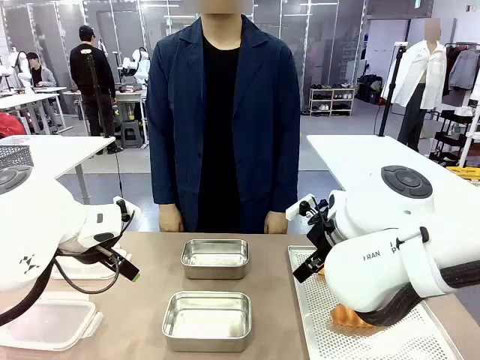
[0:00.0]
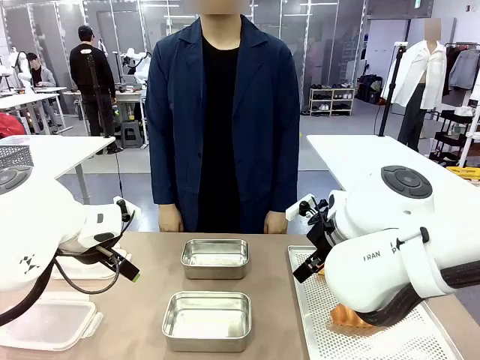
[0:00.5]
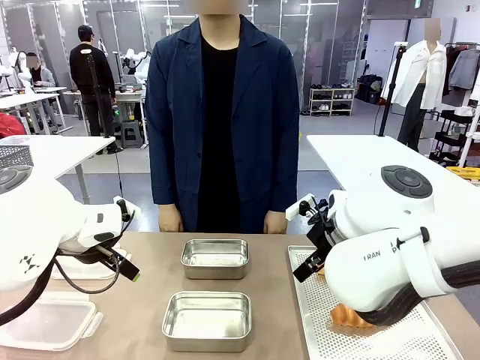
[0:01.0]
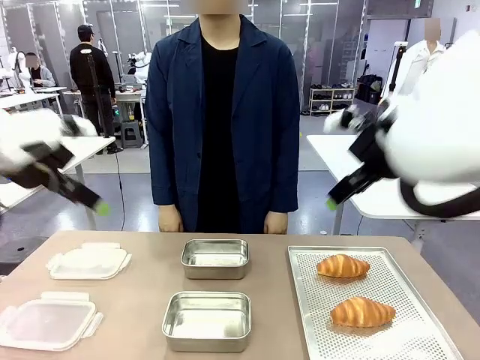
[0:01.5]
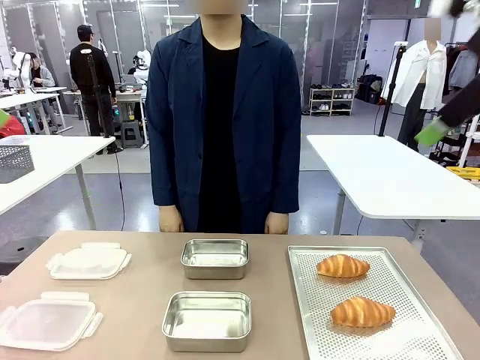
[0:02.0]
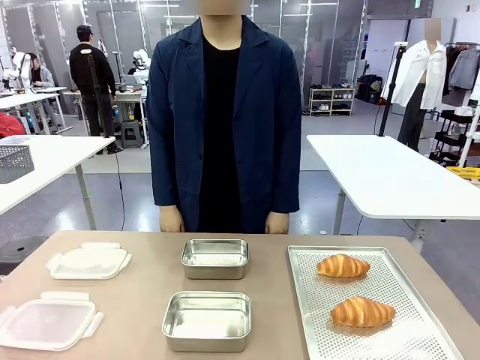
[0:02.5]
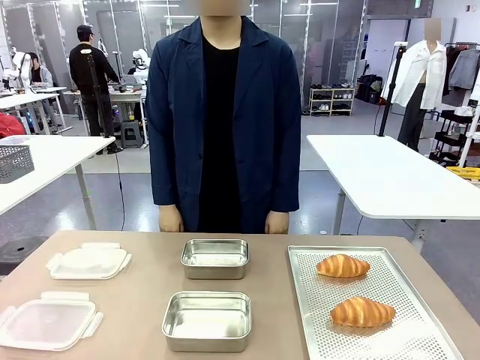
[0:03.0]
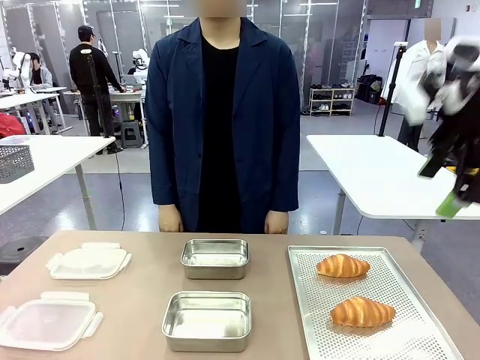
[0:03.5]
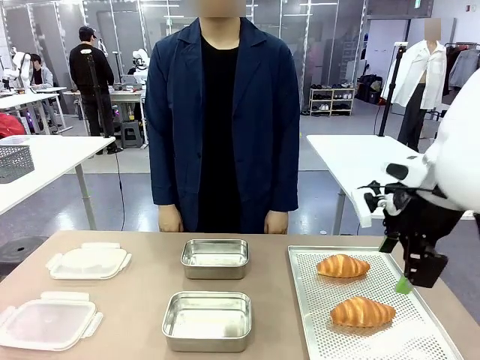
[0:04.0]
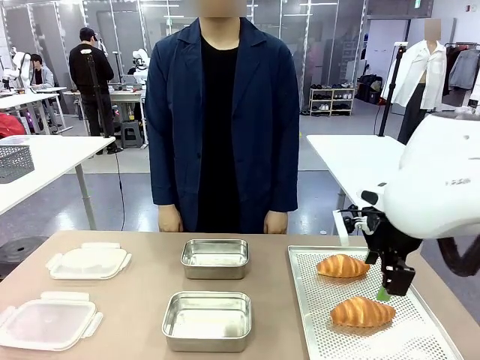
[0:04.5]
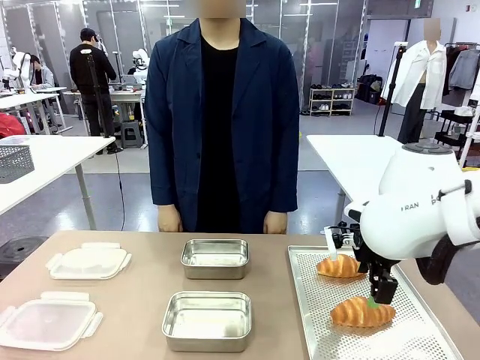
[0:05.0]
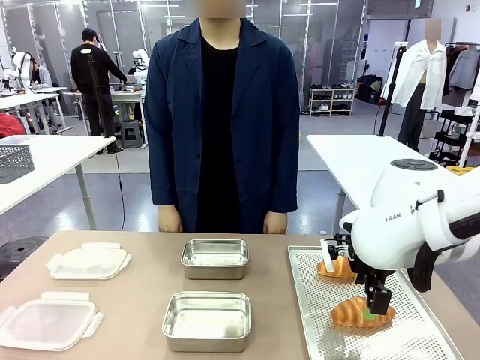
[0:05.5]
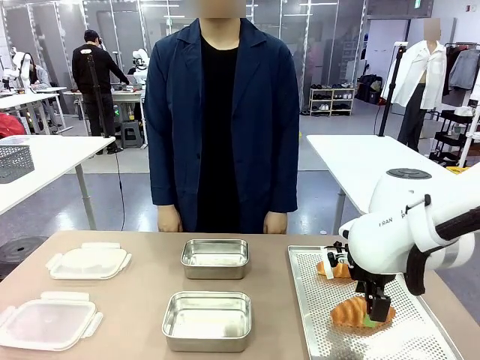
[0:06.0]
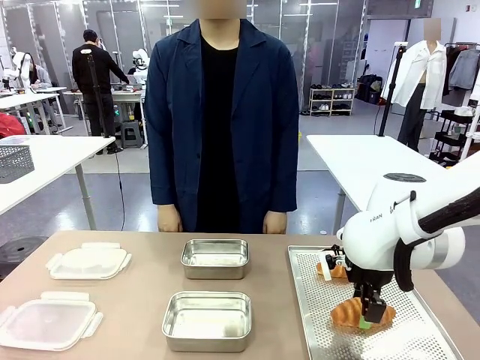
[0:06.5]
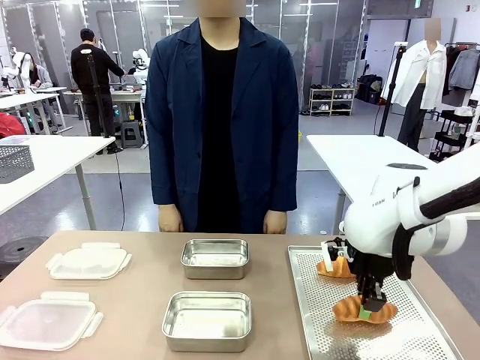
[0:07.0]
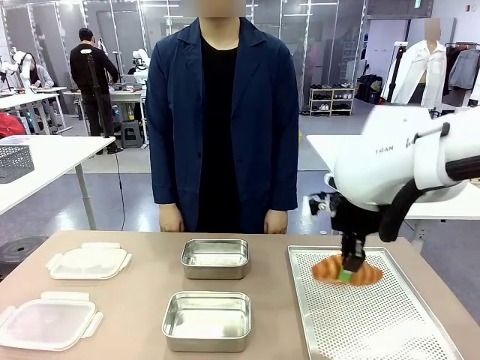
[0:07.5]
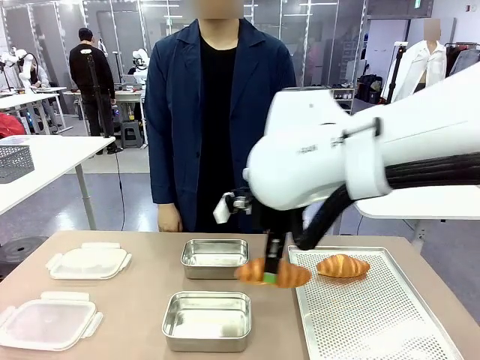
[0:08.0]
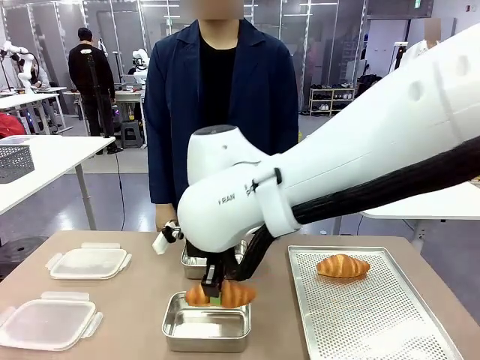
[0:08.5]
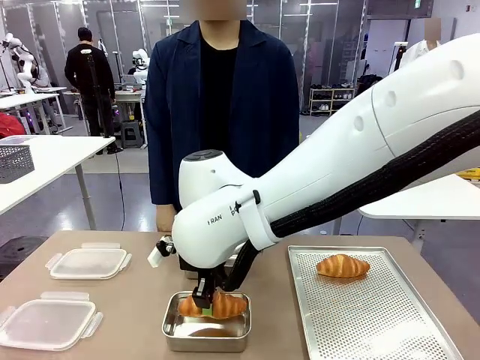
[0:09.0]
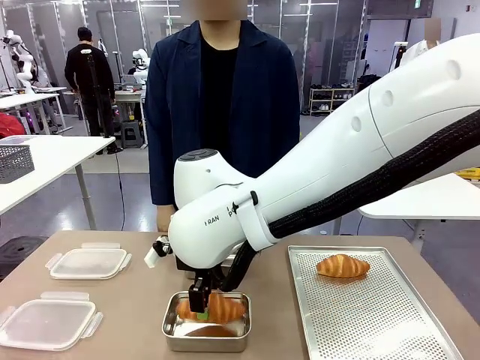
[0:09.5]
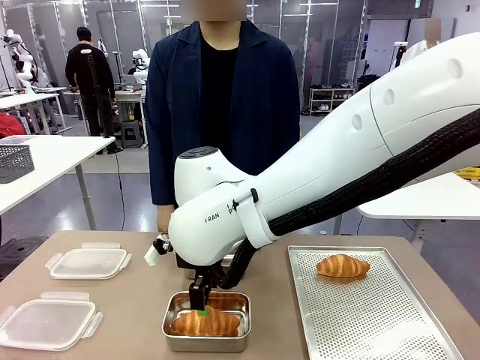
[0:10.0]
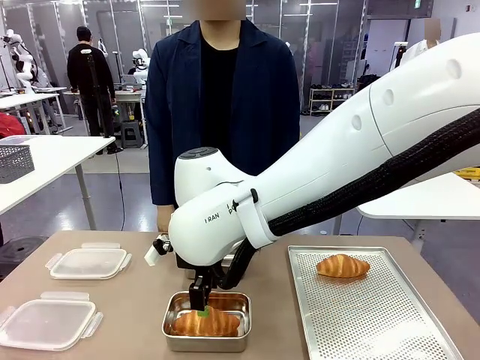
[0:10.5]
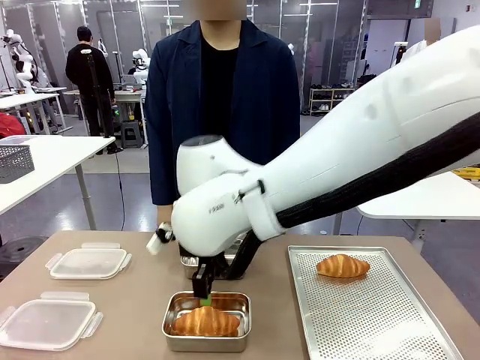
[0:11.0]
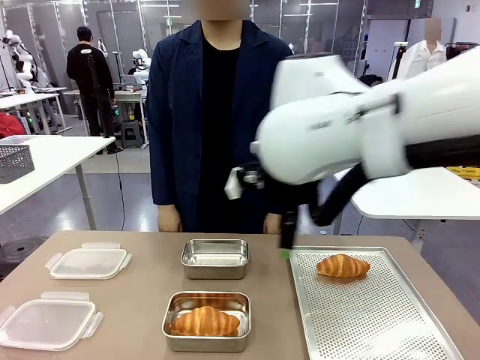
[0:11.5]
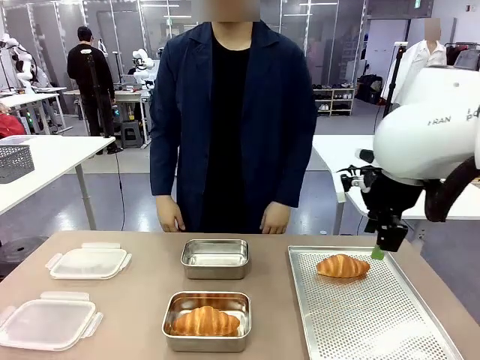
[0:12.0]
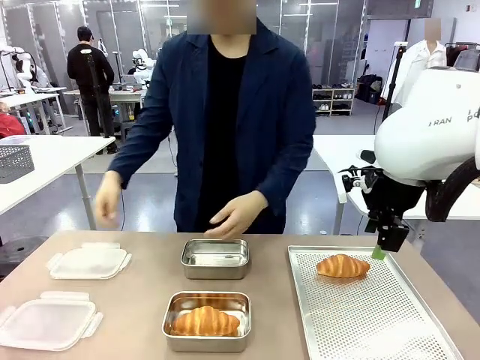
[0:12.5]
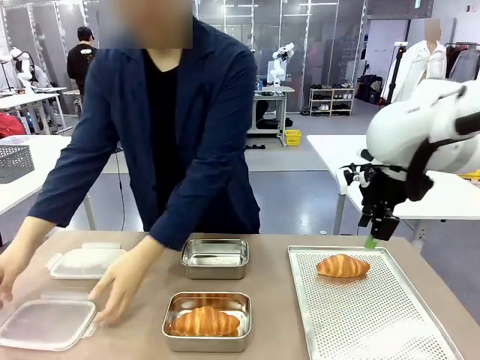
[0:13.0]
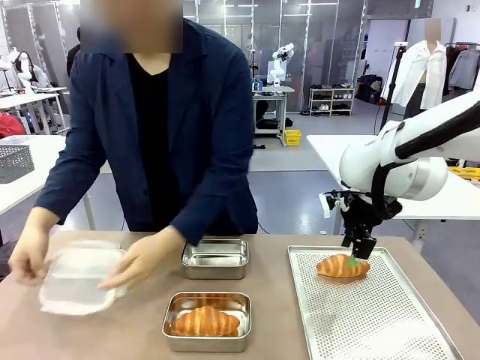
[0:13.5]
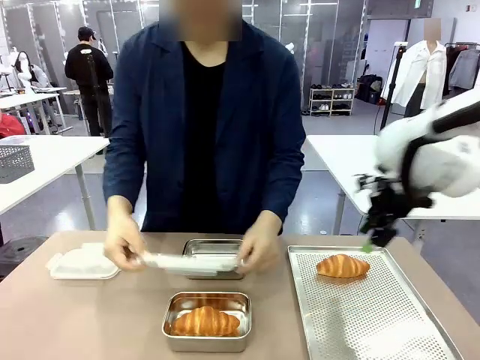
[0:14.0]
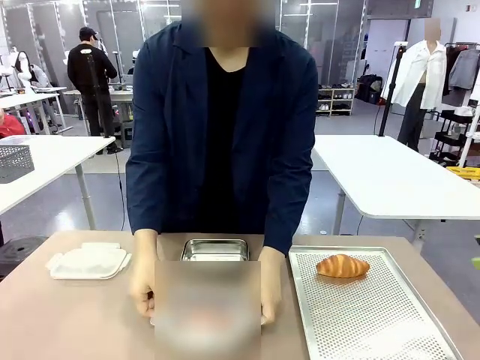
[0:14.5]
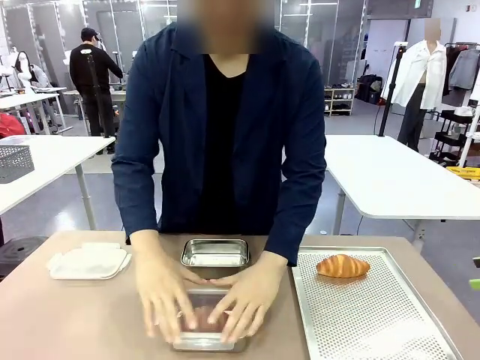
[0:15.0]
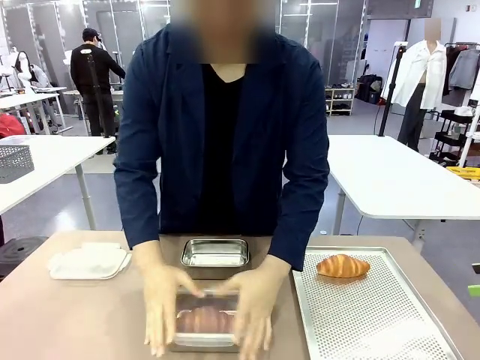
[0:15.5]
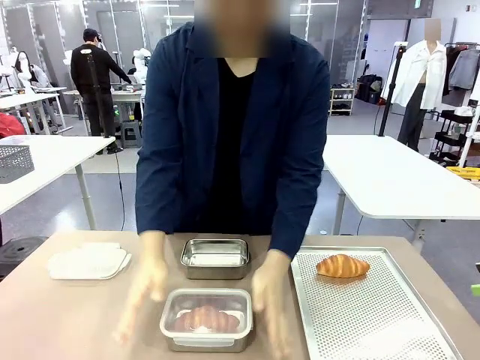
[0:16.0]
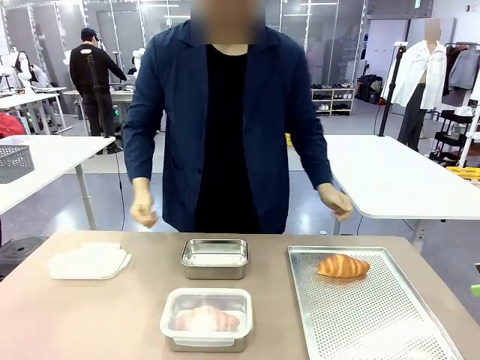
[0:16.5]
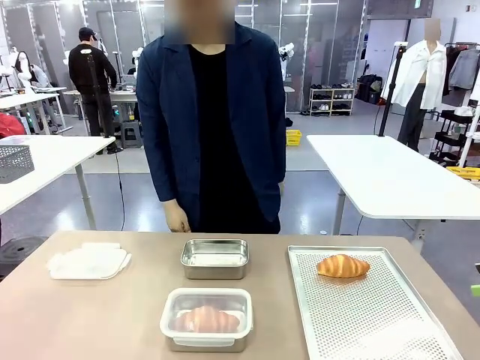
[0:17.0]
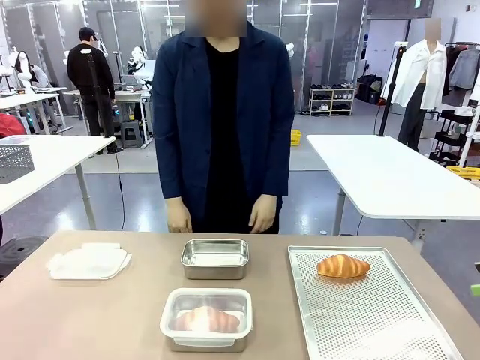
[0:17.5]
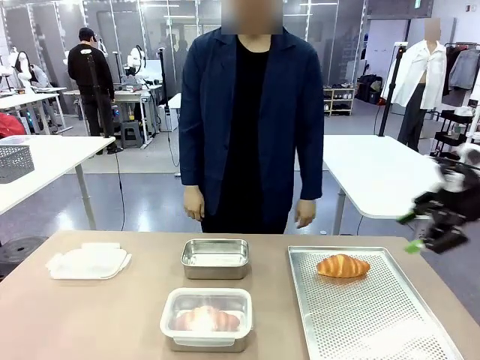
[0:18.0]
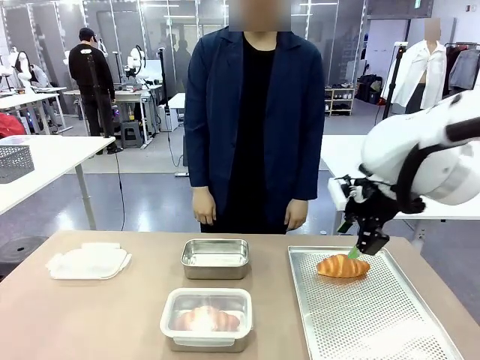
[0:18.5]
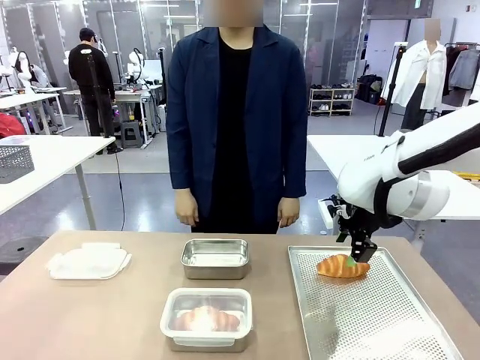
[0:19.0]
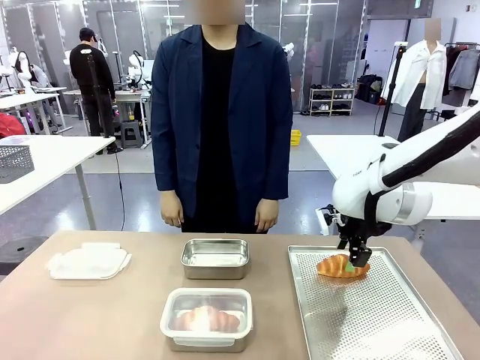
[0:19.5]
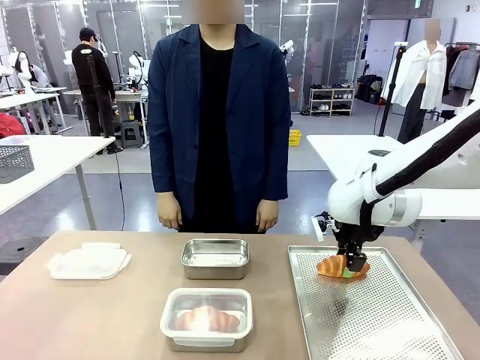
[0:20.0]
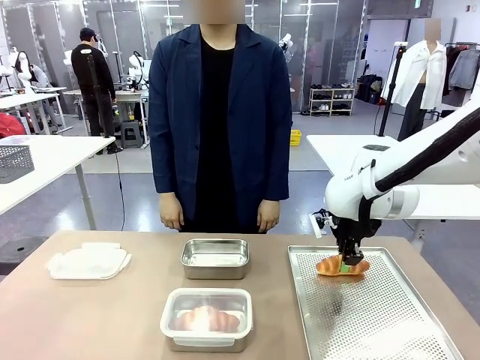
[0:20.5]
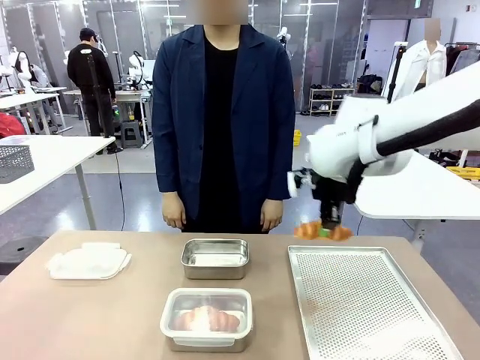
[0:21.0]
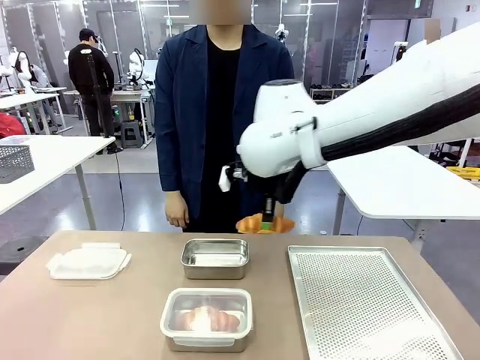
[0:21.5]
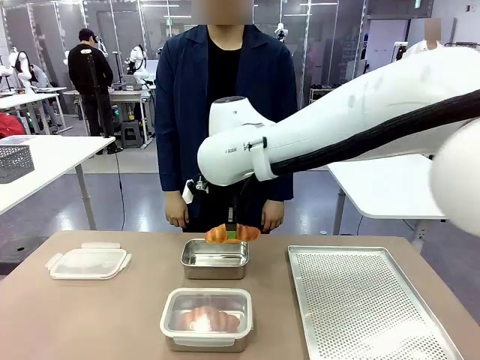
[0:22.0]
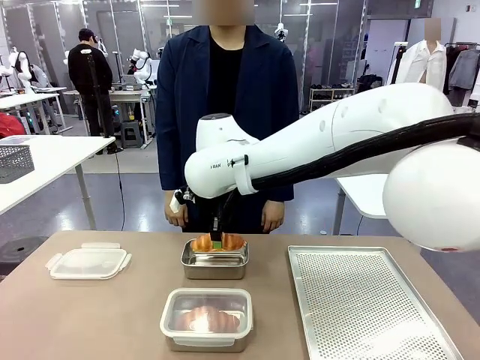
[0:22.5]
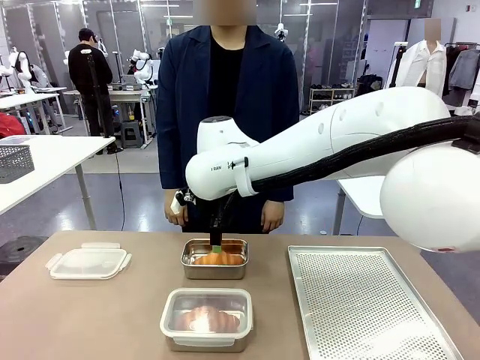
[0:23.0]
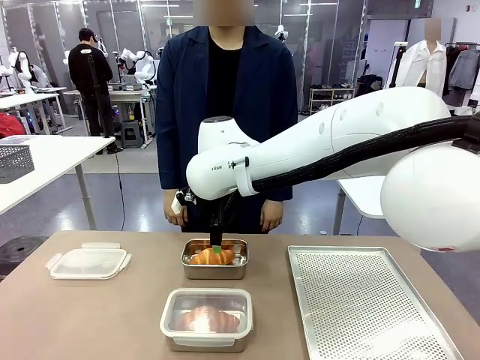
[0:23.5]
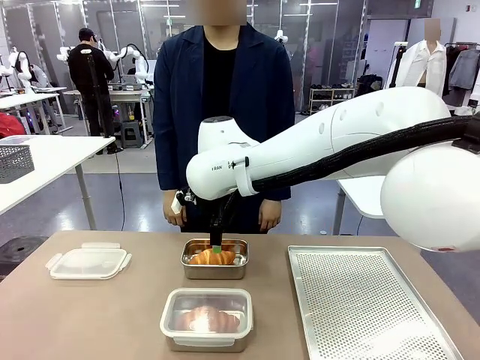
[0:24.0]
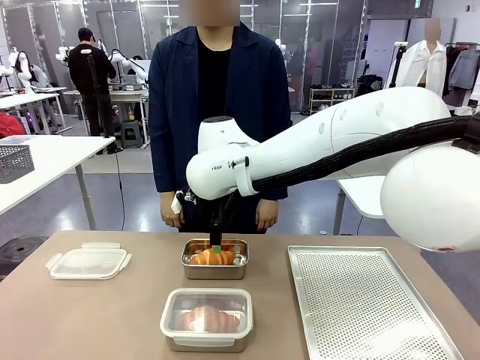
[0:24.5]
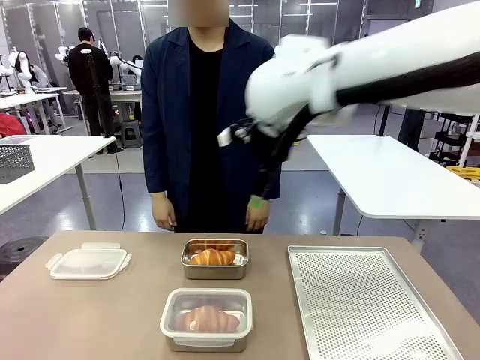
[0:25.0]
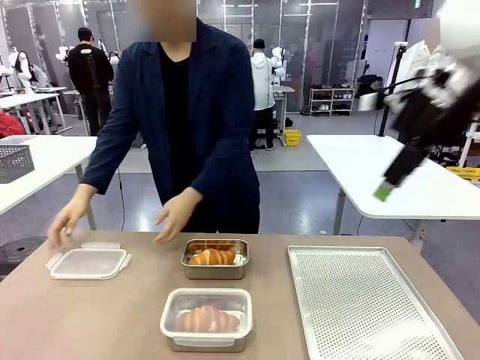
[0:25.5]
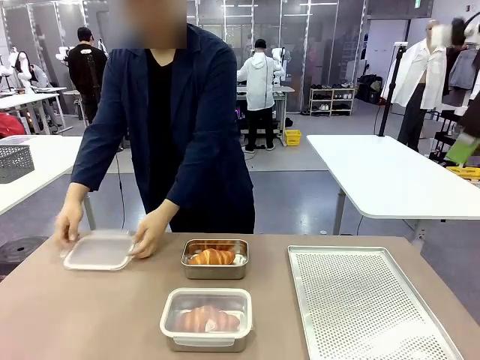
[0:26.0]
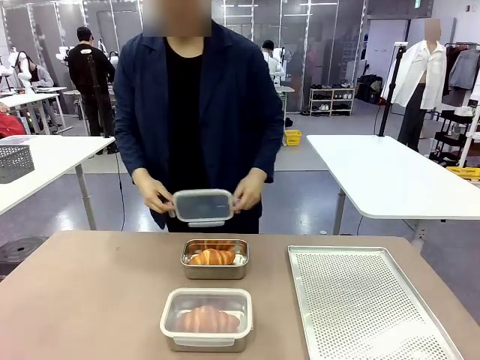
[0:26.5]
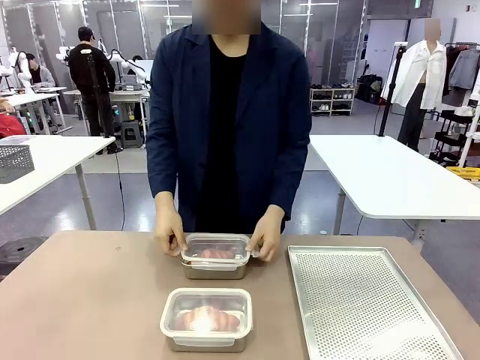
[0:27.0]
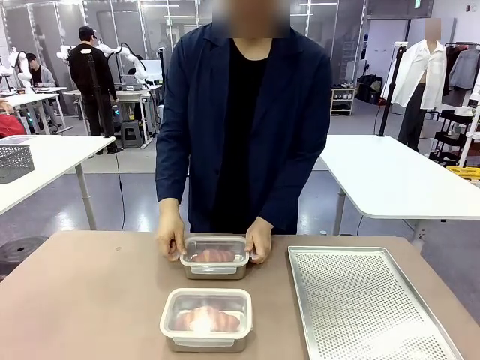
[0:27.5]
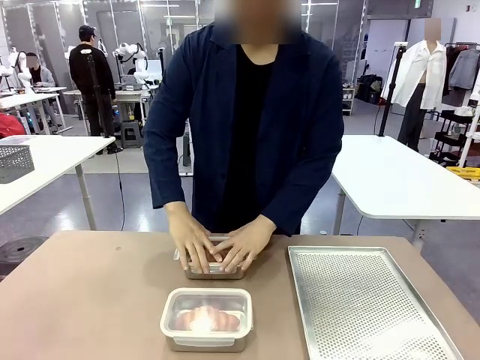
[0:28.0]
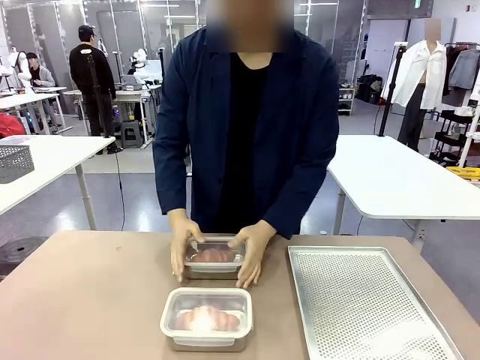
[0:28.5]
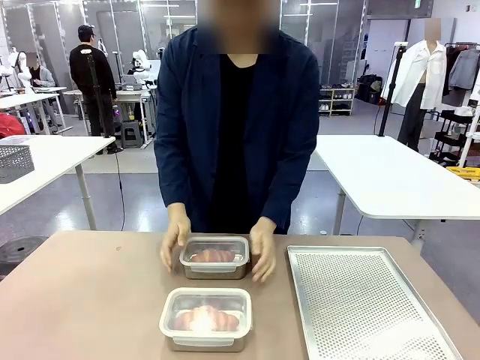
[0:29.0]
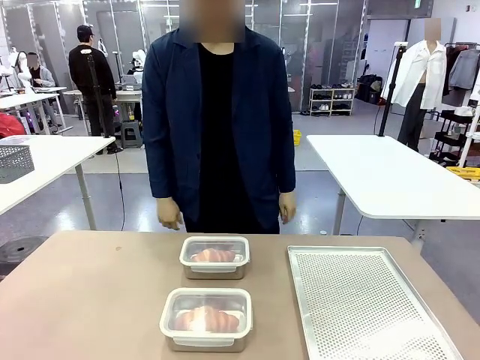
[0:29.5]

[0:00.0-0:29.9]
Task: Place the bread into the airtight container.
Robot: Pick up a Butter Roll and place it into an empty Airtight Container.
Person: Once a Butter Roll is inside an Airtight Container , close the lid of that Airtight Container.
